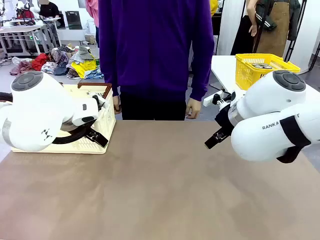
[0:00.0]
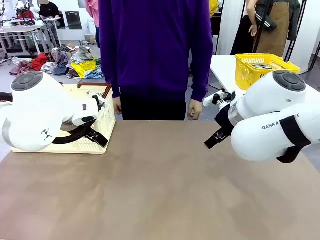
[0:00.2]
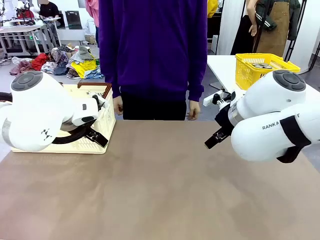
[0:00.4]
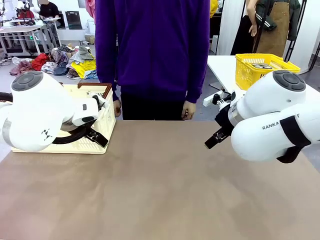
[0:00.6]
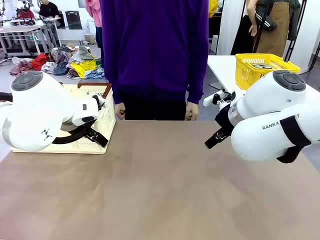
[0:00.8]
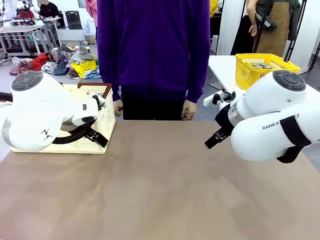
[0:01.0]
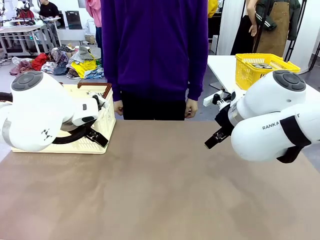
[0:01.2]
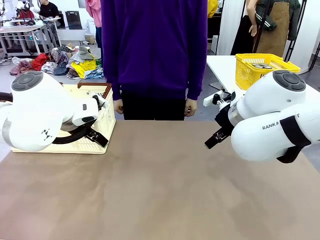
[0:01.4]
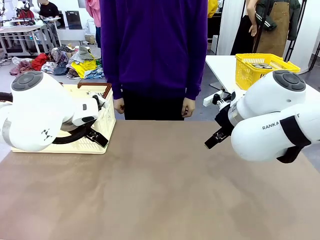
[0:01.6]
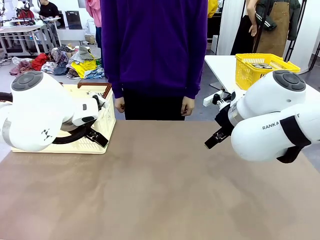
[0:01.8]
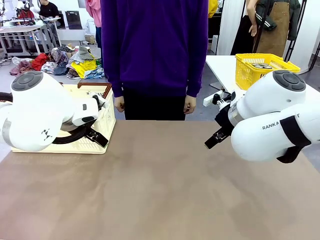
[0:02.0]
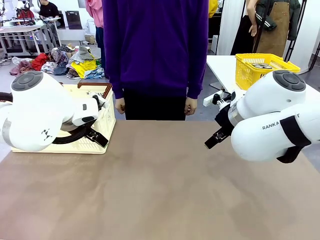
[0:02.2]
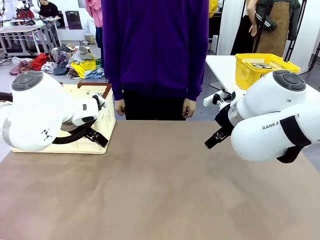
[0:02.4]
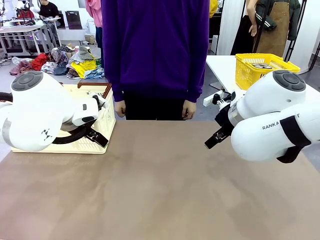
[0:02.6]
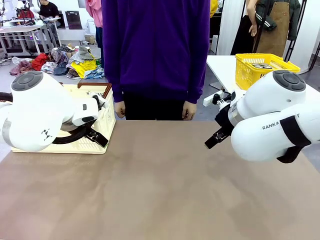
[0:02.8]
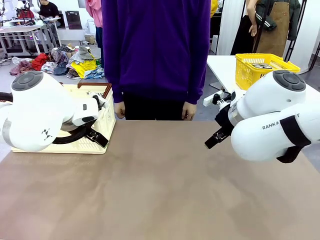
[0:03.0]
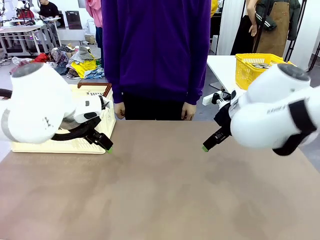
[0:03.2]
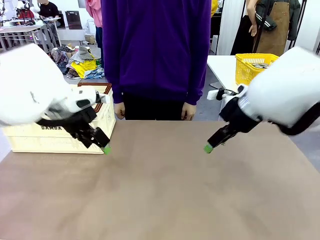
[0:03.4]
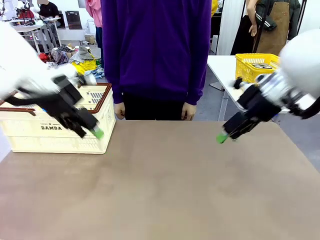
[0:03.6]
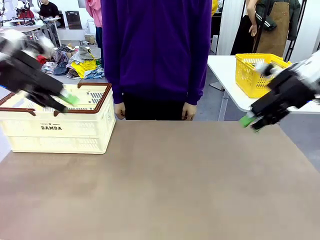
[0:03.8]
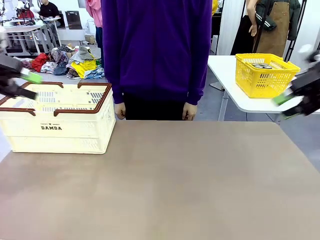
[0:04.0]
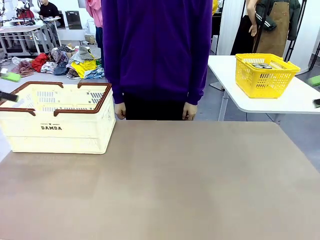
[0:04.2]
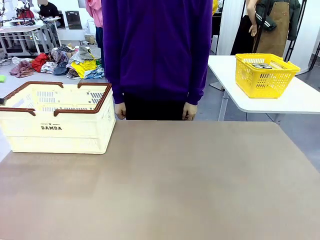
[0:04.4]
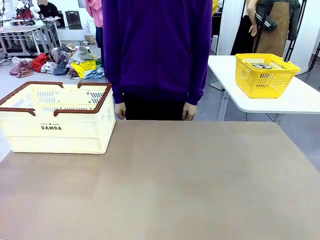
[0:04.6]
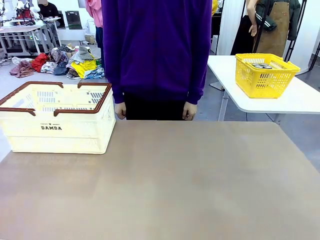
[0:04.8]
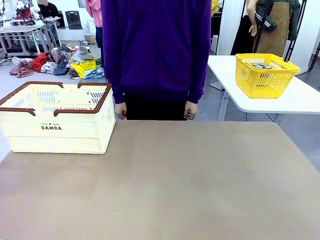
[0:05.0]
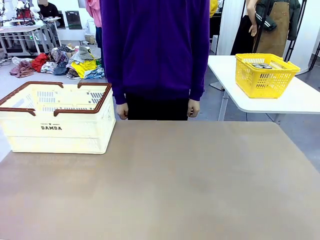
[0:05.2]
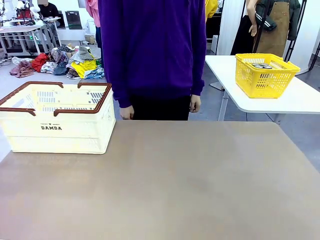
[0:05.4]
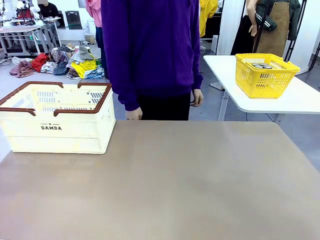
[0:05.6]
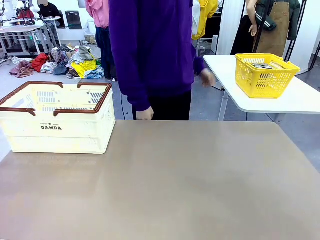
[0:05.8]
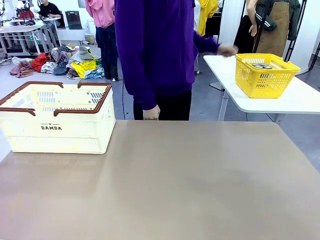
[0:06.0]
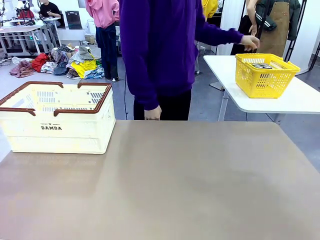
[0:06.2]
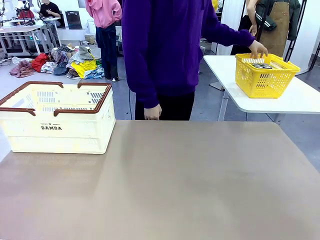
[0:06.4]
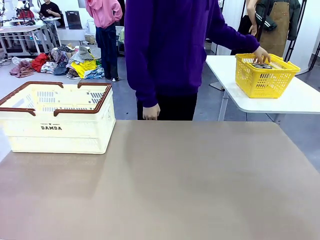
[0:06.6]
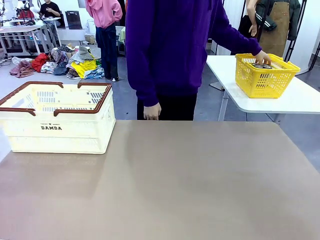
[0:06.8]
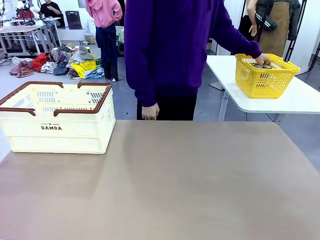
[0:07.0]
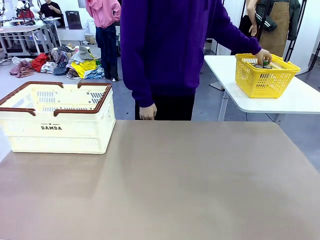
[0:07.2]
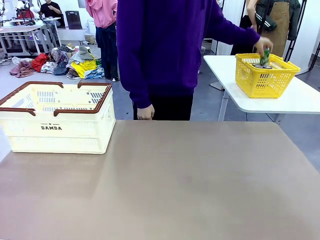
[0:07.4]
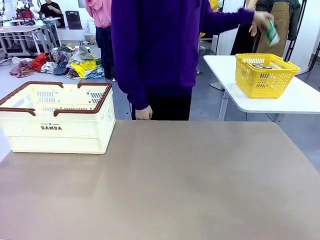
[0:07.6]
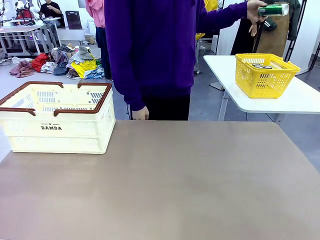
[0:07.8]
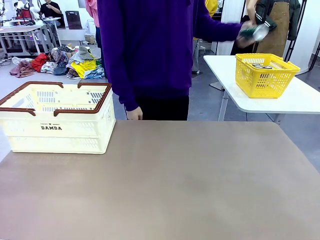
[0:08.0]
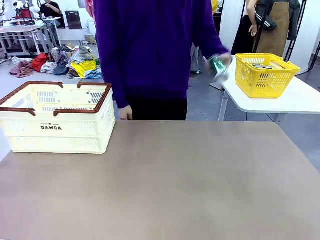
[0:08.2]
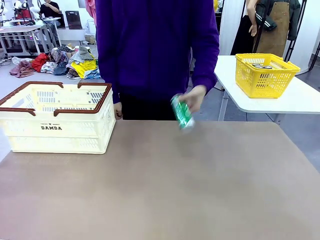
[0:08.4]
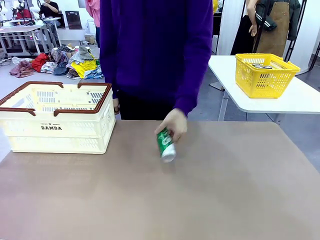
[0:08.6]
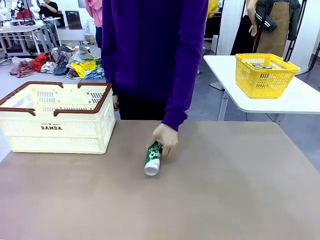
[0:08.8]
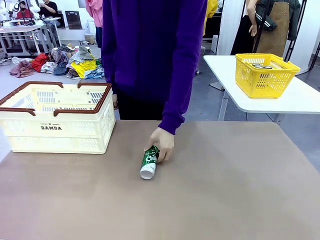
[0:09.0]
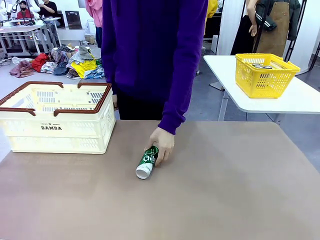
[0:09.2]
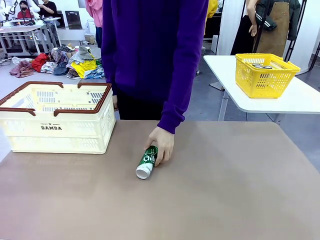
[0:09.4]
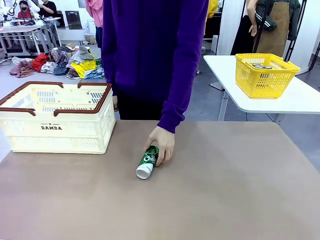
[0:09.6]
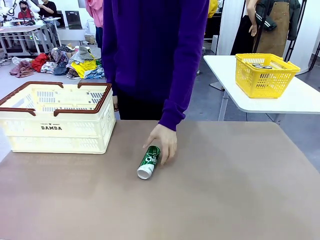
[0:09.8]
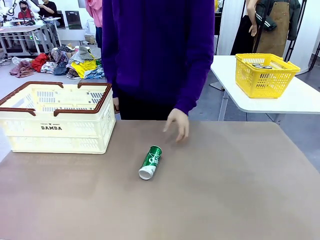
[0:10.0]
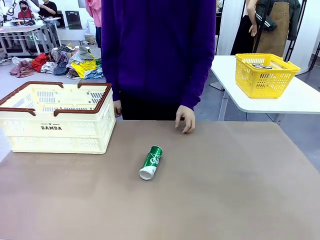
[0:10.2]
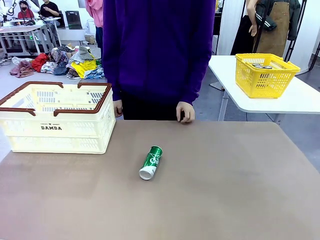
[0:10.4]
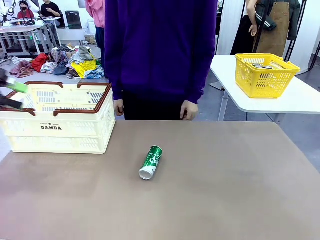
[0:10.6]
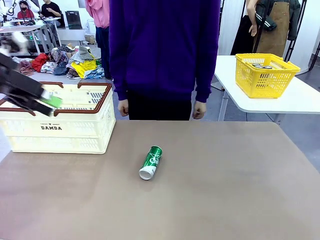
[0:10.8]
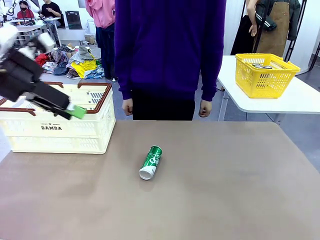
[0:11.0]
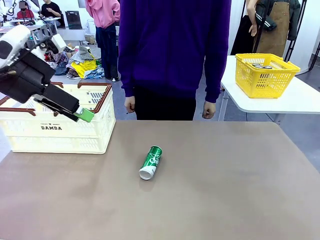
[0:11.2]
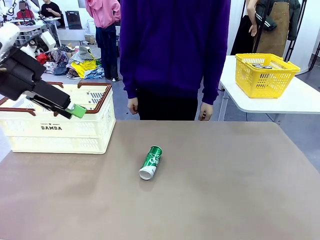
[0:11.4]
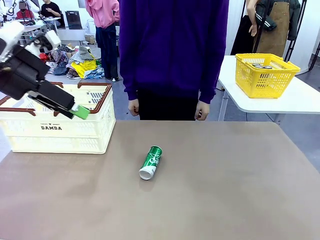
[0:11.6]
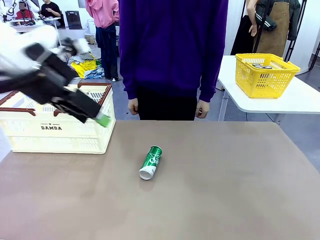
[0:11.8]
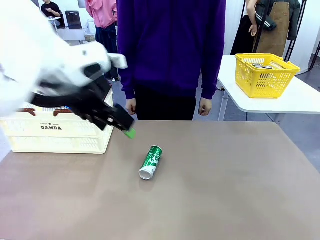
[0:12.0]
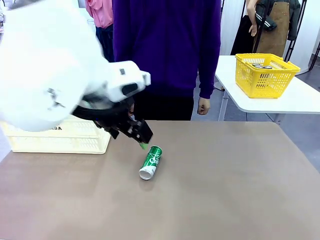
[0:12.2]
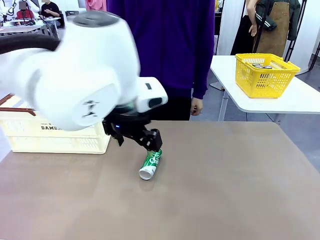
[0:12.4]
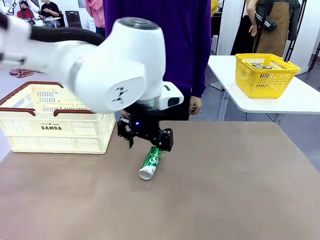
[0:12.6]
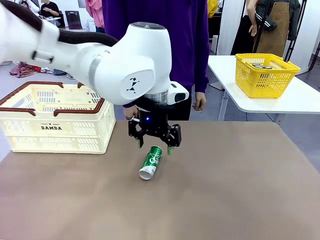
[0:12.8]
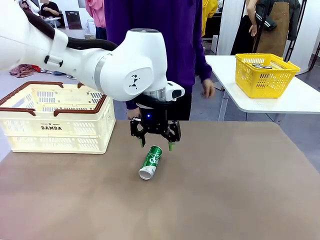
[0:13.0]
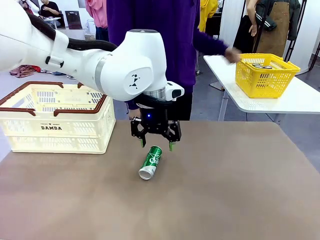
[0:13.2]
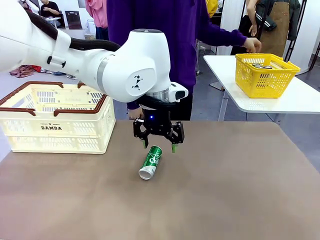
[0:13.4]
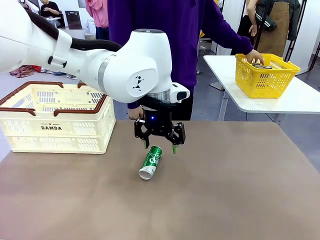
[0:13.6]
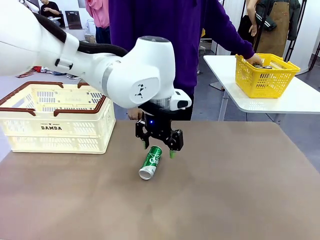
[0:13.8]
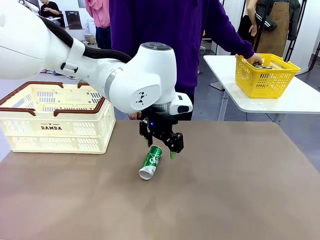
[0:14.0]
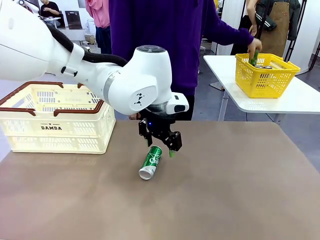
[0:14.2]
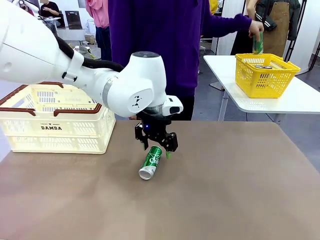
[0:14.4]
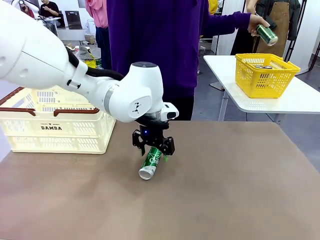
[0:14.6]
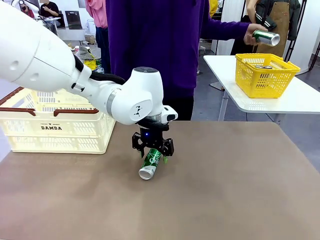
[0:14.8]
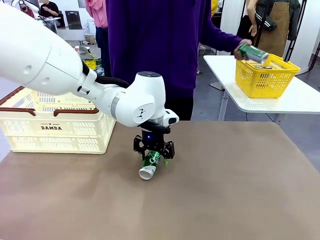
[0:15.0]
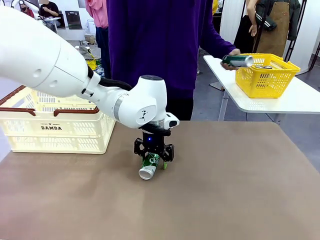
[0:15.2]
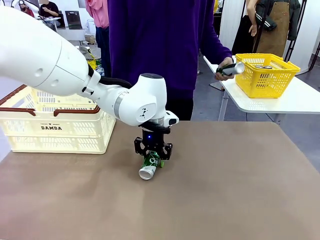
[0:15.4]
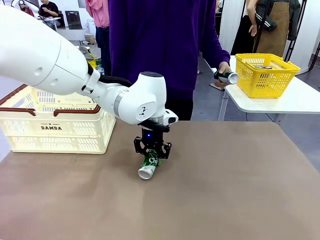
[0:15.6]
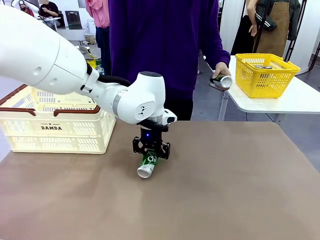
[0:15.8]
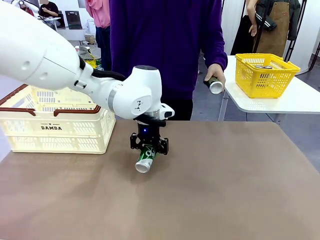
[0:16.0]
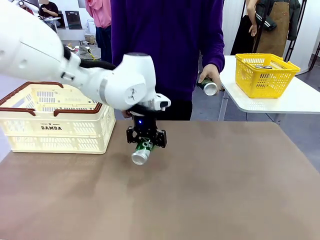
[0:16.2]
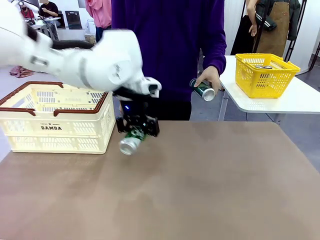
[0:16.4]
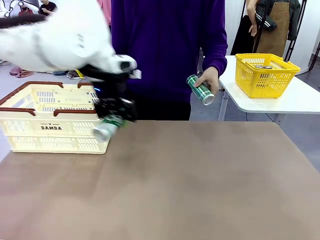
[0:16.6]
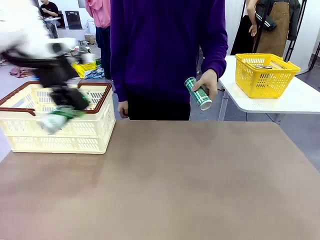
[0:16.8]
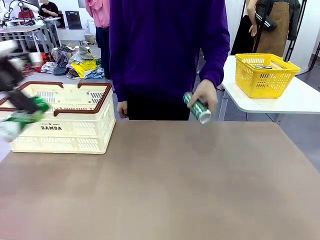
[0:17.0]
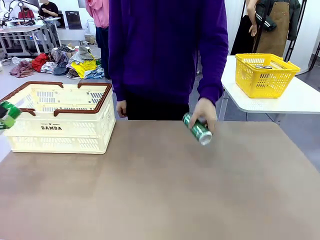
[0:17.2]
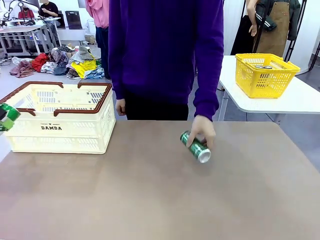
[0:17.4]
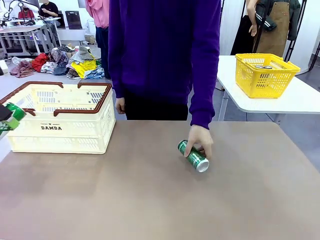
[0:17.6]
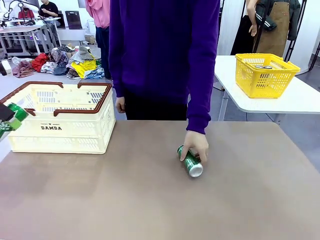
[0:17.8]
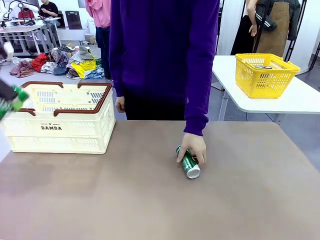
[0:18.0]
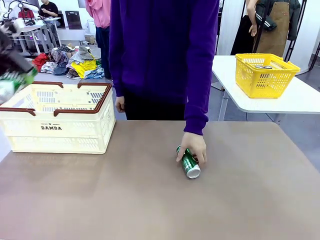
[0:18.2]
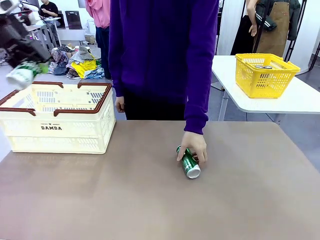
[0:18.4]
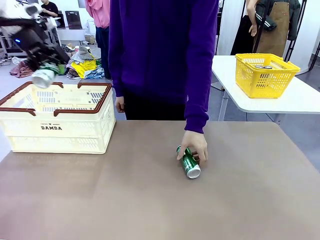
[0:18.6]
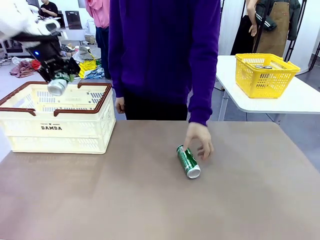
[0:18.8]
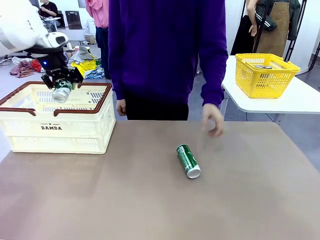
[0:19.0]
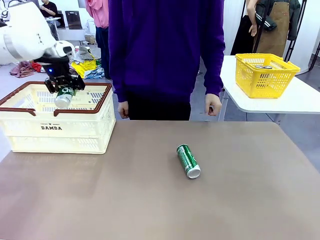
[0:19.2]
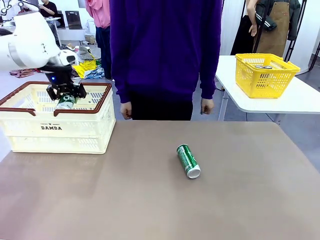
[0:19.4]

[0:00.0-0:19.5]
Task: Place the drinks into the Shopping basket.
Robot: Pick up one drink and place it into the Shopping basket.
